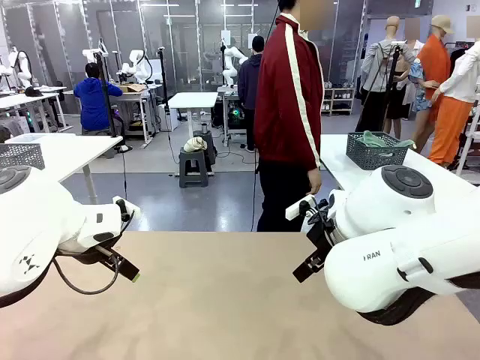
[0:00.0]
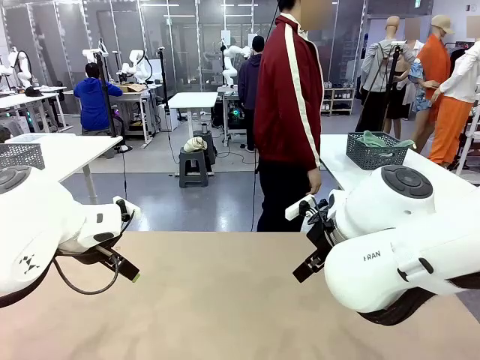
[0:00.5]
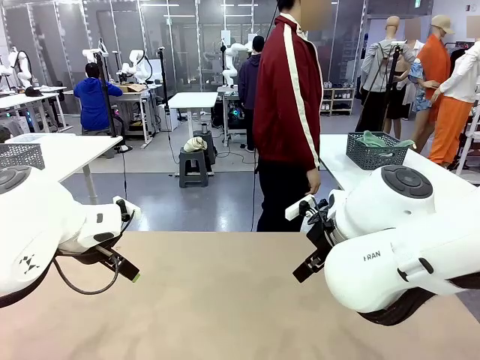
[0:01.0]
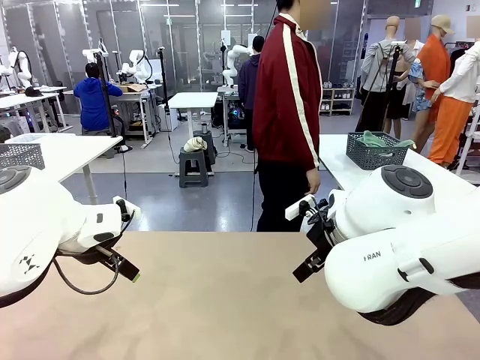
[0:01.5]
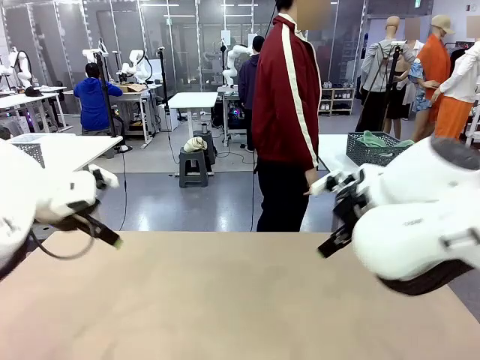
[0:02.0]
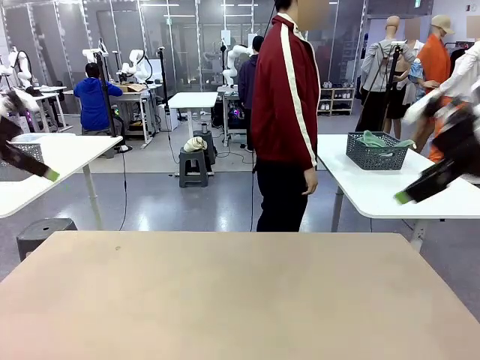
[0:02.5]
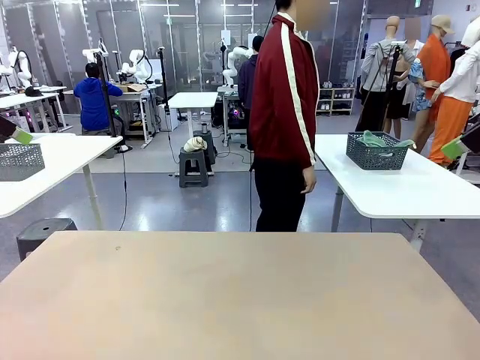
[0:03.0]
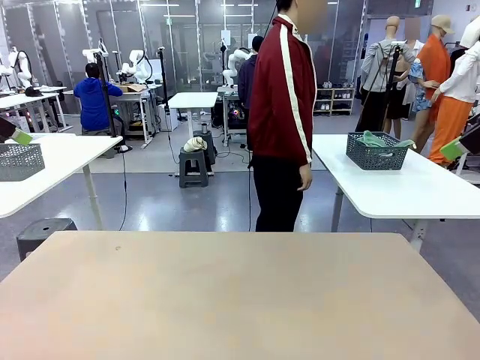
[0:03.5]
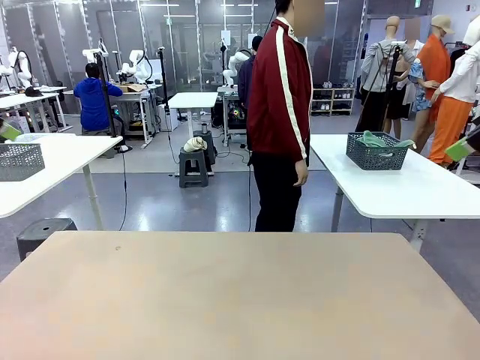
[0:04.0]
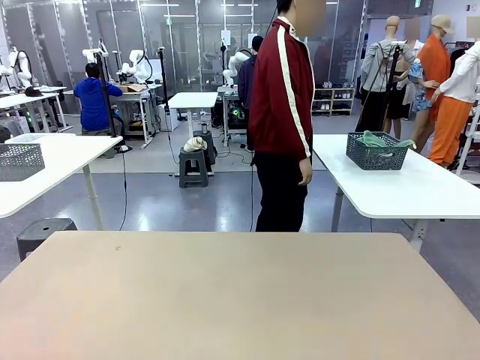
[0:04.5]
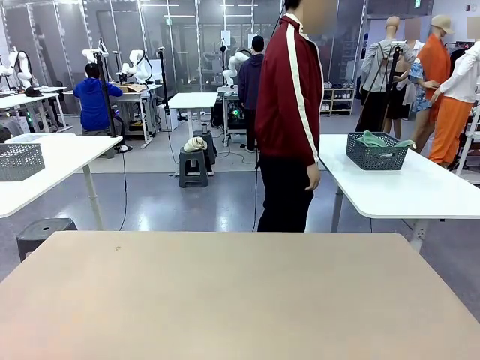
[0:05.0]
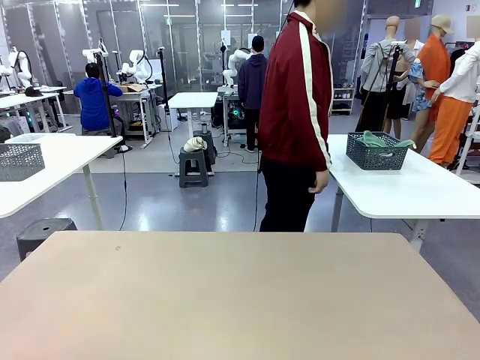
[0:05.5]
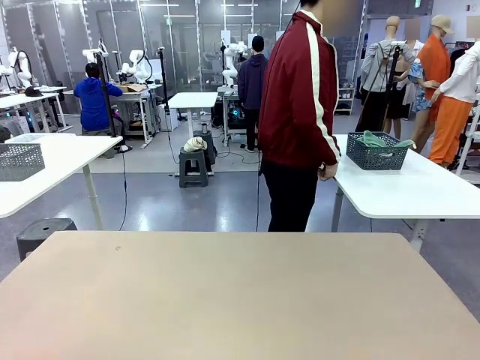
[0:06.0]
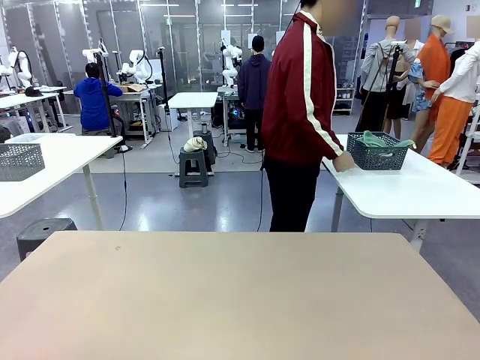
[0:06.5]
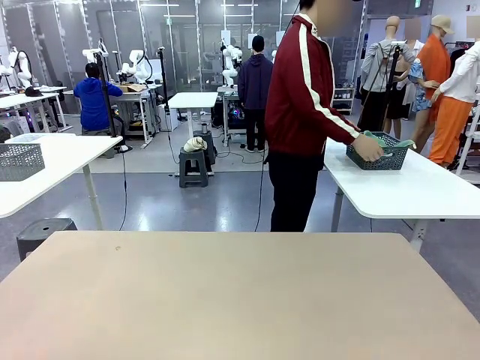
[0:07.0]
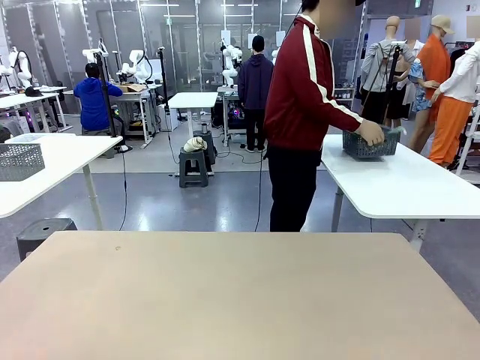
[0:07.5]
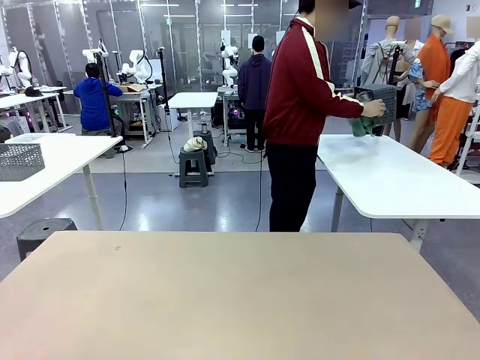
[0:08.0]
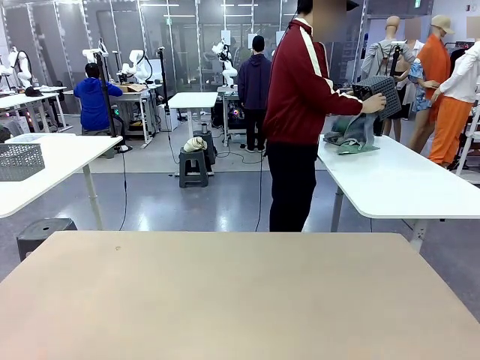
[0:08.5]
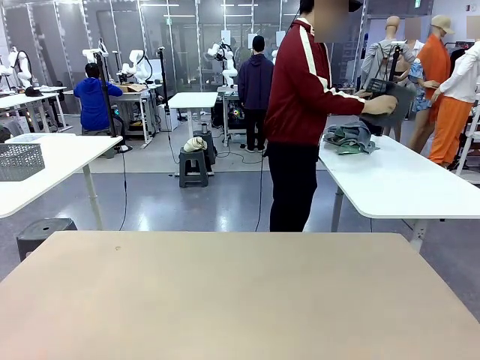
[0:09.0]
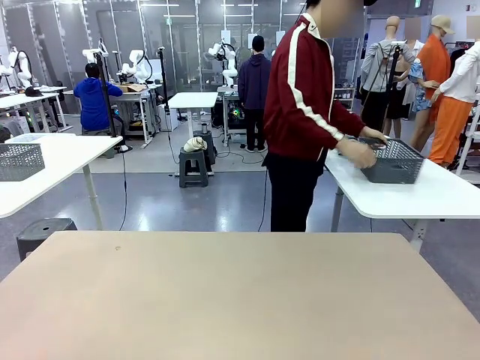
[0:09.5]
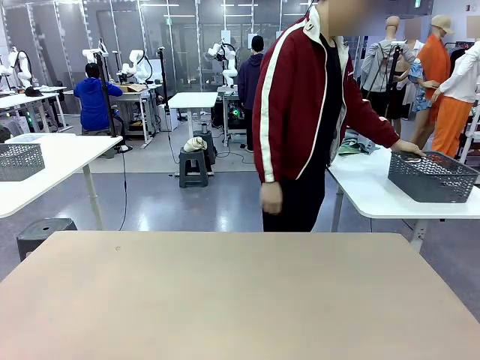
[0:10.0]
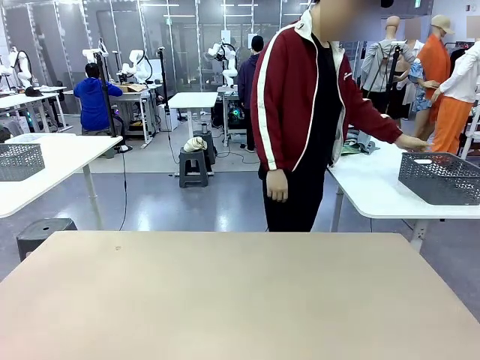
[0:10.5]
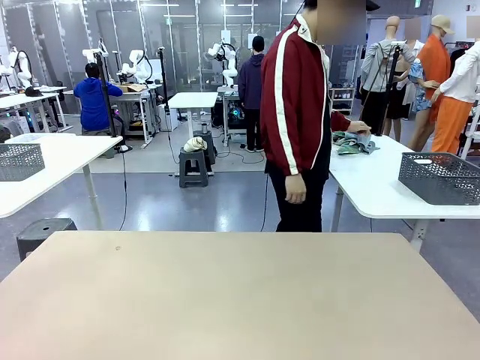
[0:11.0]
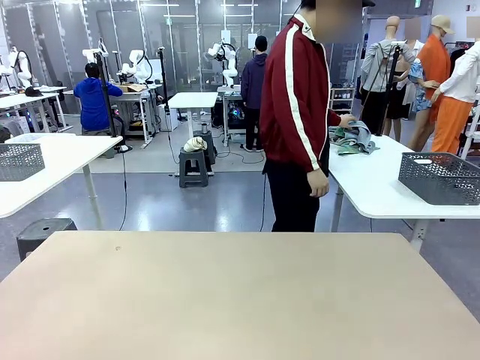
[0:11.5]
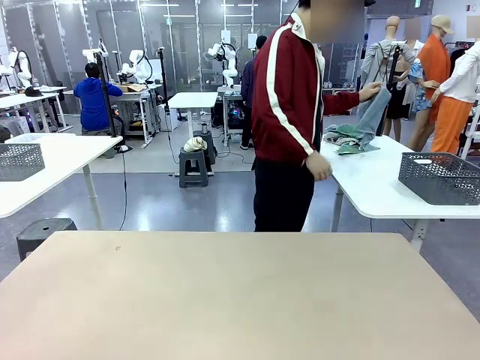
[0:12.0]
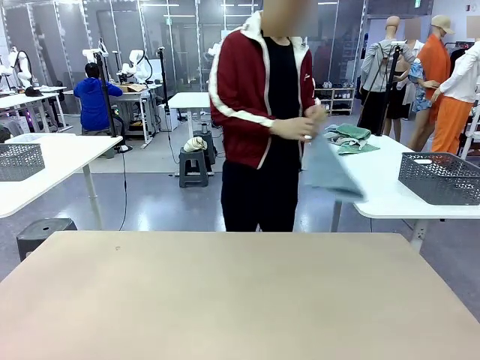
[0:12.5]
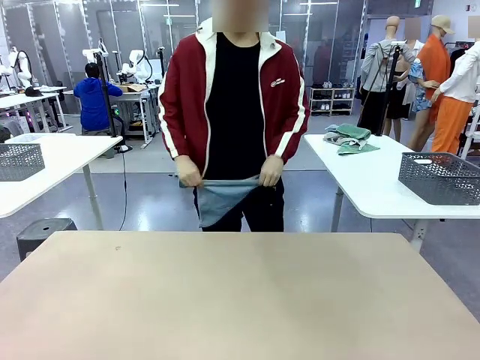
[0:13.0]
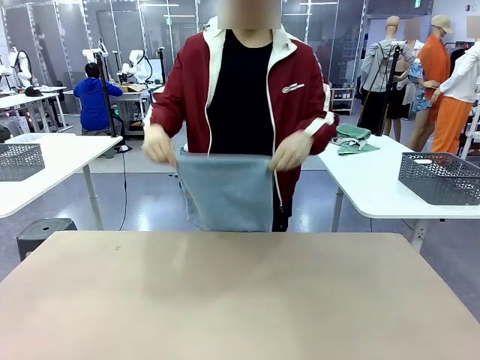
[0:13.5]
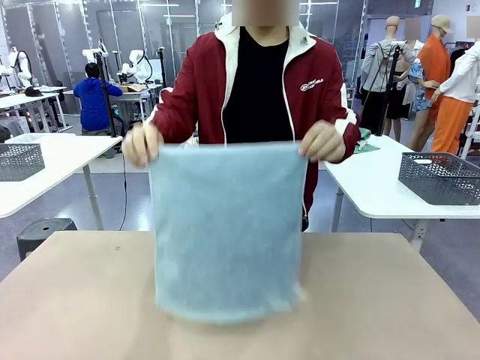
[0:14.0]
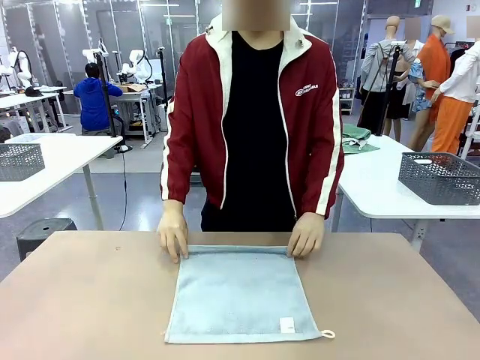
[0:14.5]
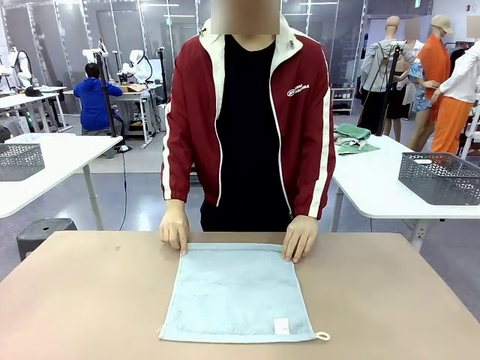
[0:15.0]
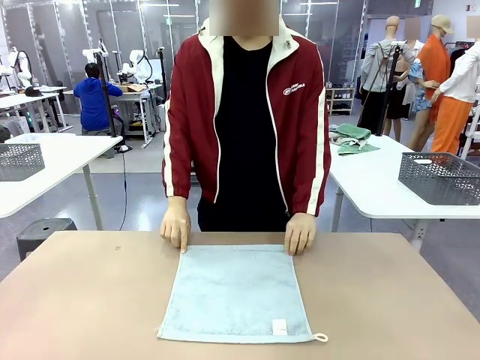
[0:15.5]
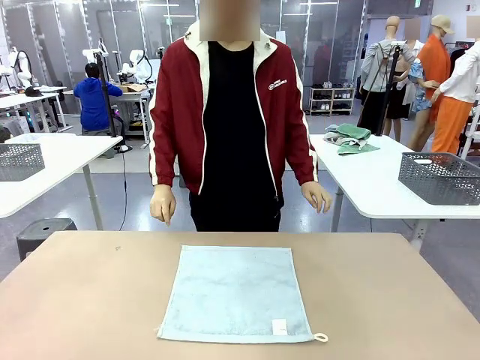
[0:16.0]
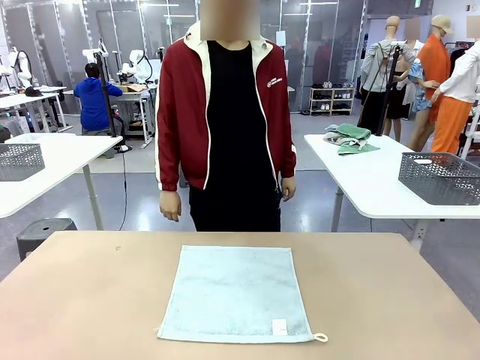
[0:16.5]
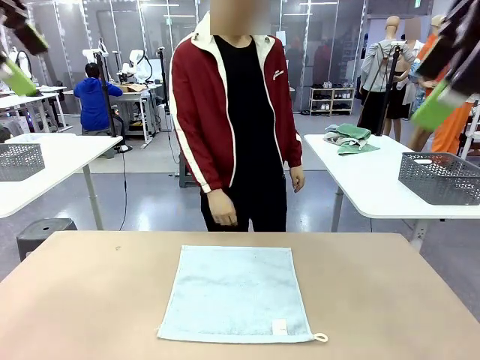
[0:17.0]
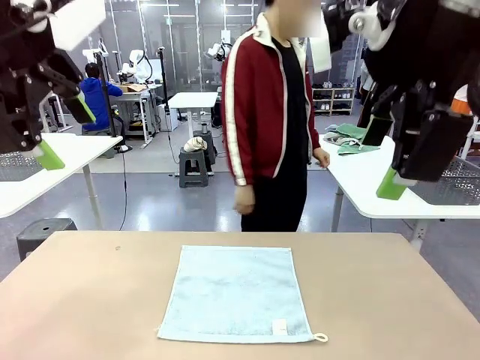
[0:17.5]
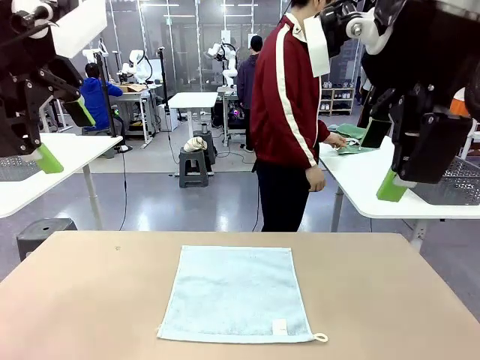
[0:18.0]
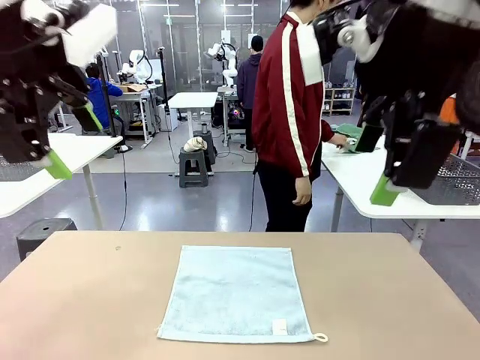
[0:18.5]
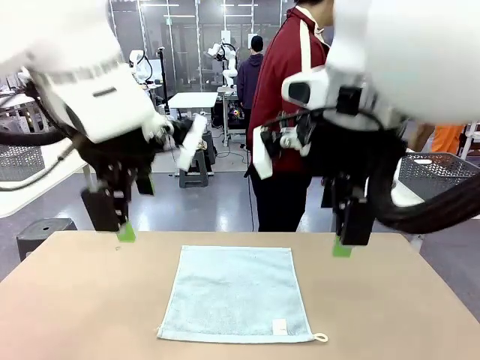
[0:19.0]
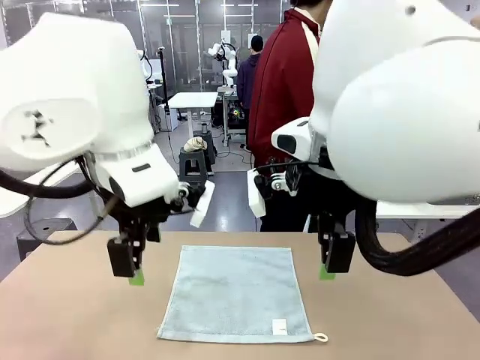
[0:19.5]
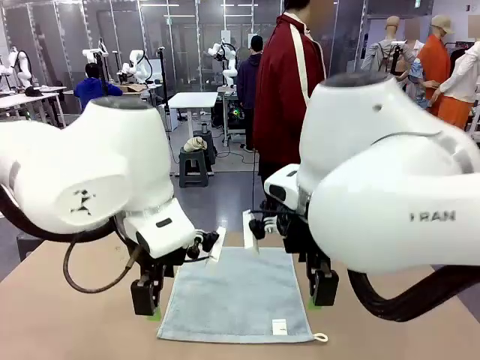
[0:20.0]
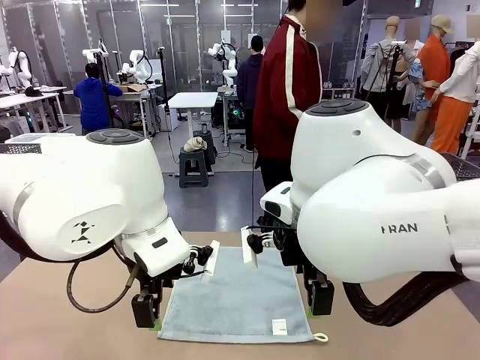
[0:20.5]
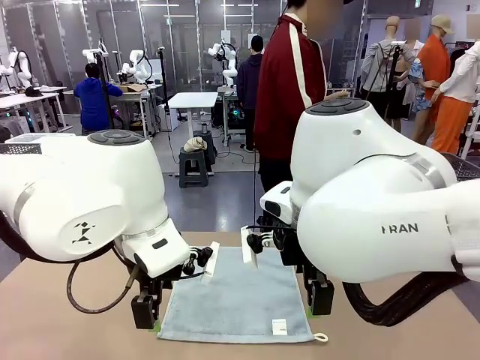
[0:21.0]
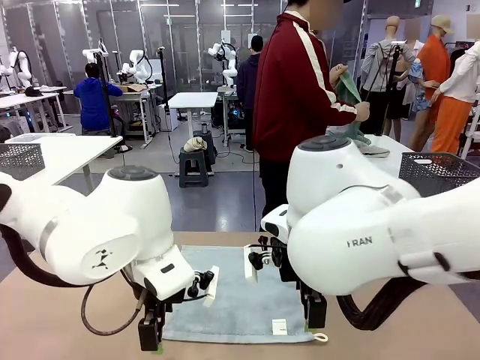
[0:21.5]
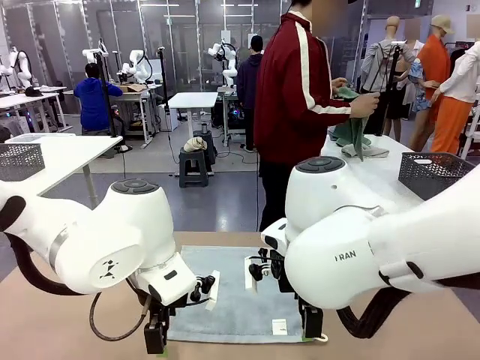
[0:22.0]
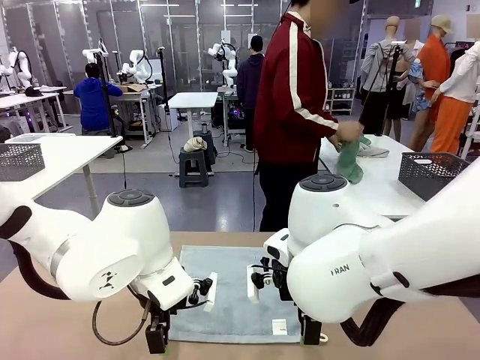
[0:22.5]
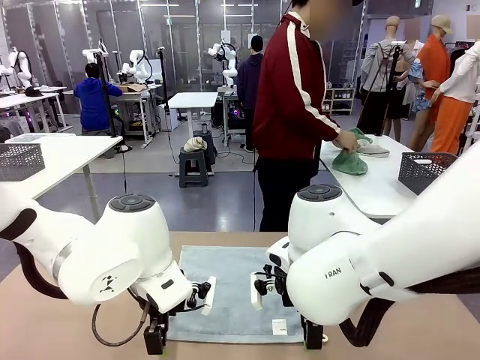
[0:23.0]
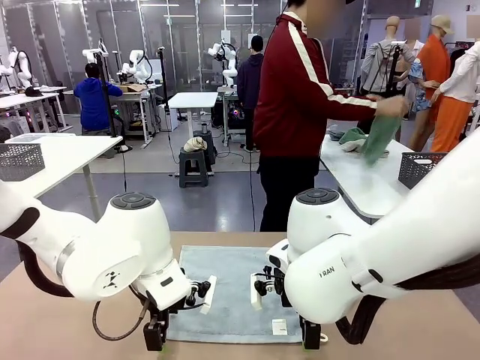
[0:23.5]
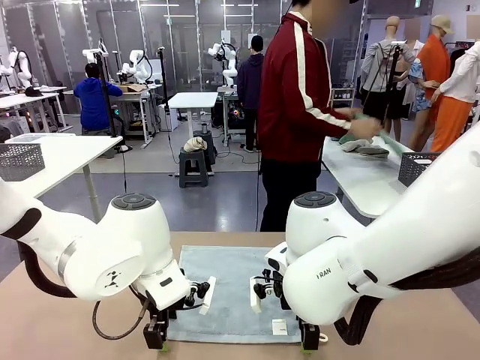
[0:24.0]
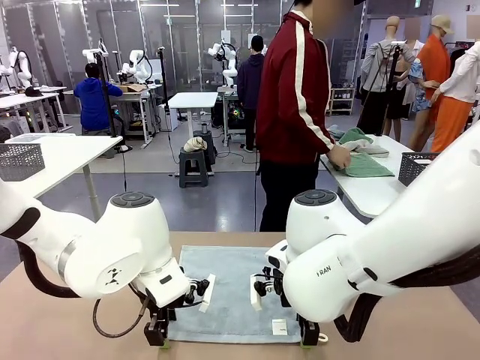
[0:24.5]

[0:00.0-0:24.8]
Task: Fold the towels and place them in the basket.
Robot: When a person lays out a Towel with hook on the table, fold it in half twice.
Person: Pick up the basket, pour the towels onto the left side of the human table, and place the basket on the right side. Pick up one towel and spread it out at the center of the robot table.
